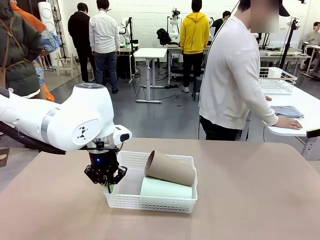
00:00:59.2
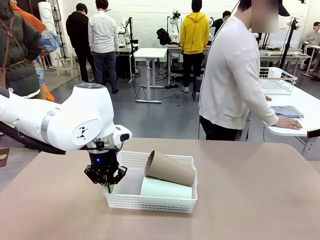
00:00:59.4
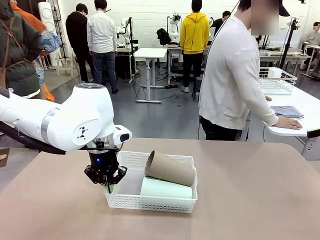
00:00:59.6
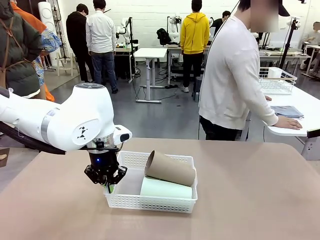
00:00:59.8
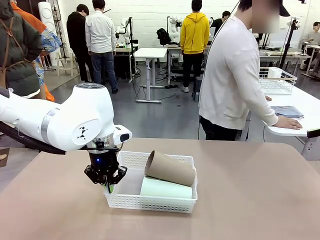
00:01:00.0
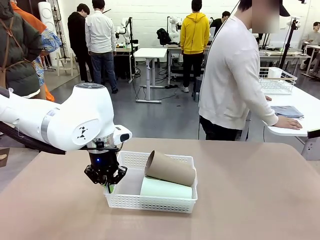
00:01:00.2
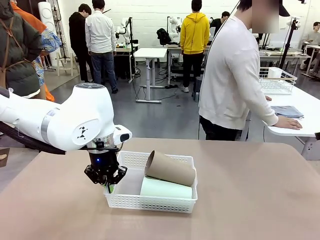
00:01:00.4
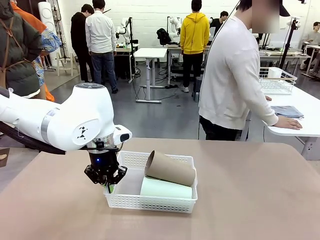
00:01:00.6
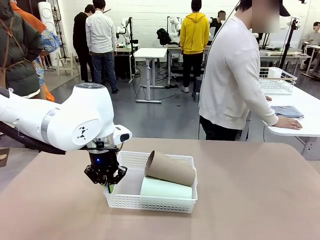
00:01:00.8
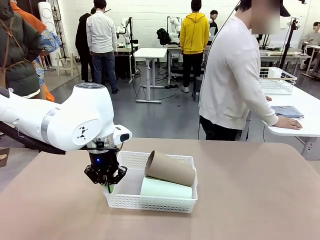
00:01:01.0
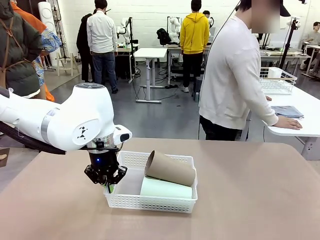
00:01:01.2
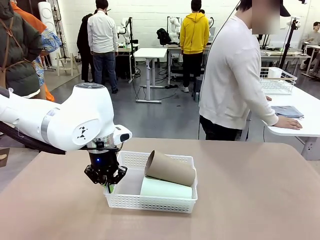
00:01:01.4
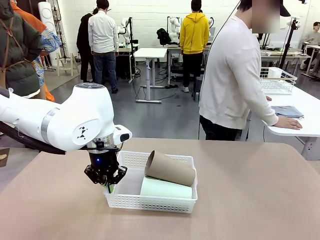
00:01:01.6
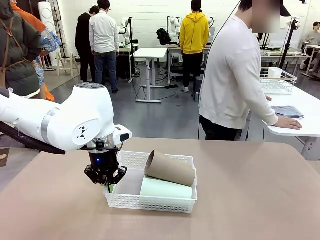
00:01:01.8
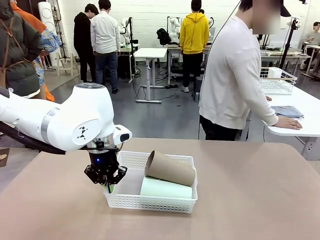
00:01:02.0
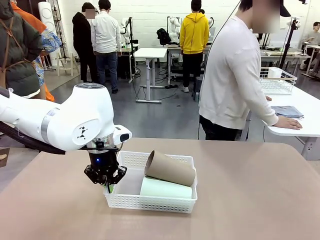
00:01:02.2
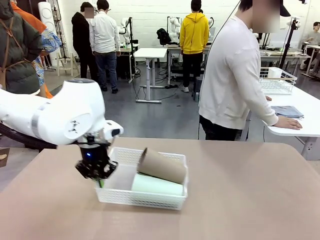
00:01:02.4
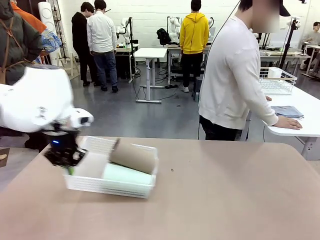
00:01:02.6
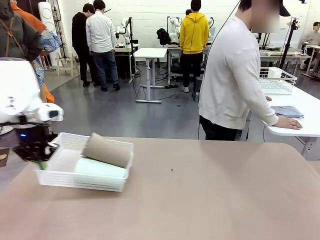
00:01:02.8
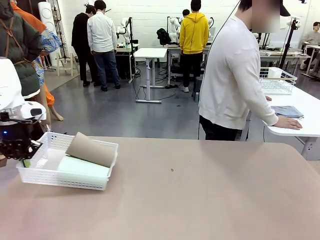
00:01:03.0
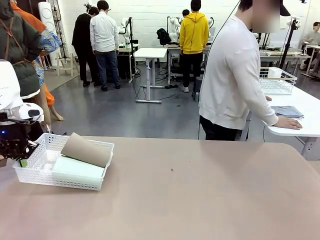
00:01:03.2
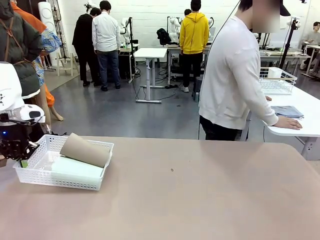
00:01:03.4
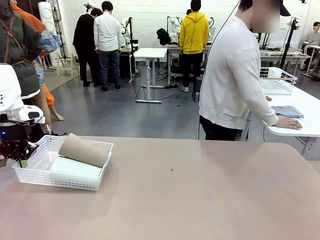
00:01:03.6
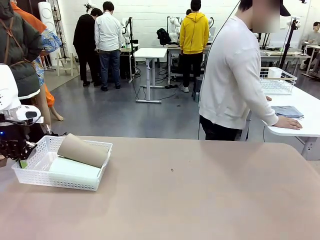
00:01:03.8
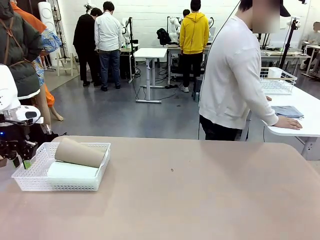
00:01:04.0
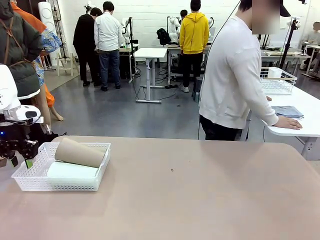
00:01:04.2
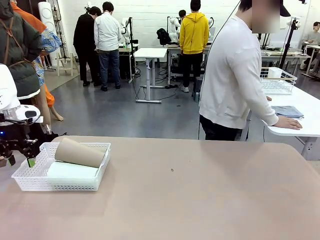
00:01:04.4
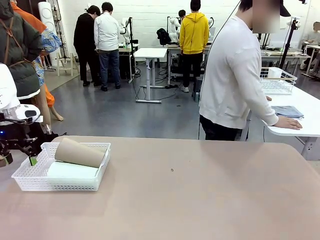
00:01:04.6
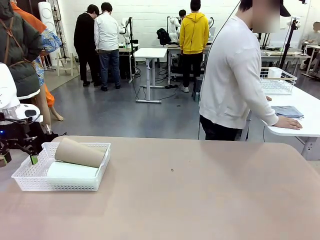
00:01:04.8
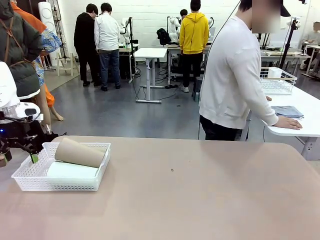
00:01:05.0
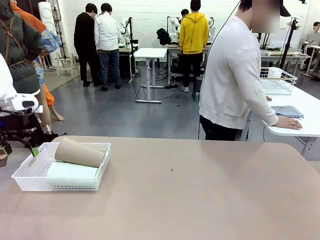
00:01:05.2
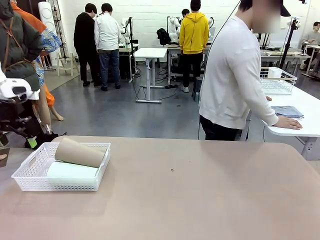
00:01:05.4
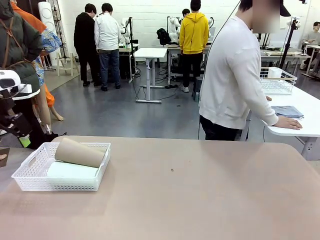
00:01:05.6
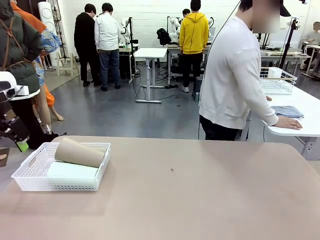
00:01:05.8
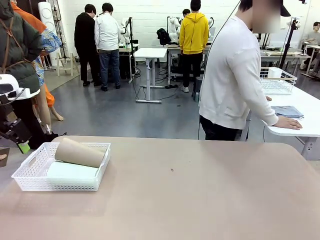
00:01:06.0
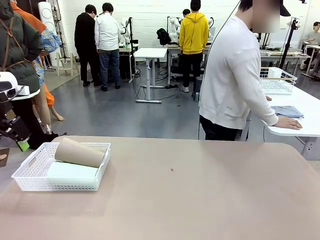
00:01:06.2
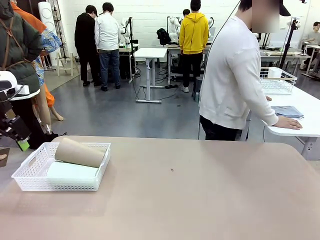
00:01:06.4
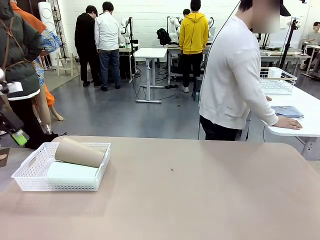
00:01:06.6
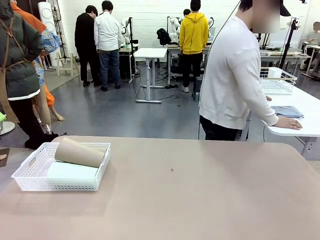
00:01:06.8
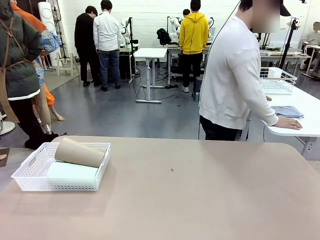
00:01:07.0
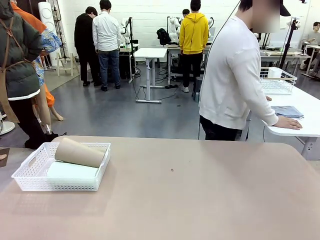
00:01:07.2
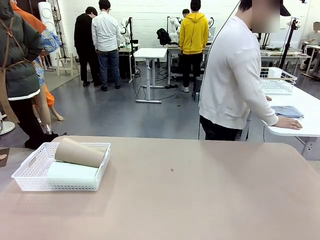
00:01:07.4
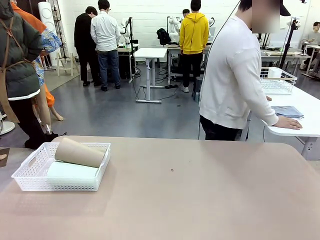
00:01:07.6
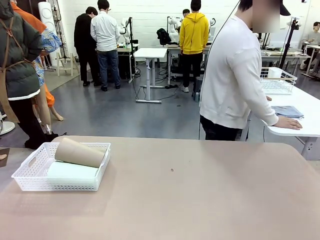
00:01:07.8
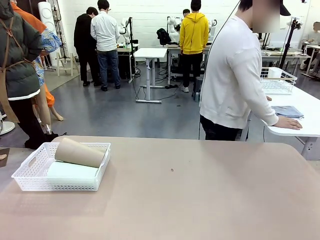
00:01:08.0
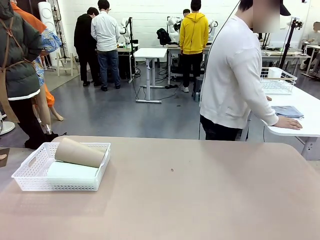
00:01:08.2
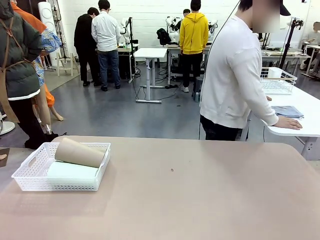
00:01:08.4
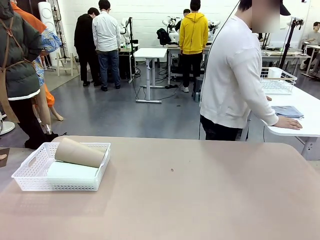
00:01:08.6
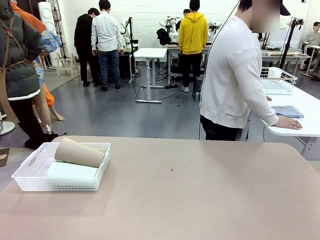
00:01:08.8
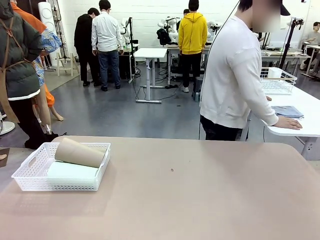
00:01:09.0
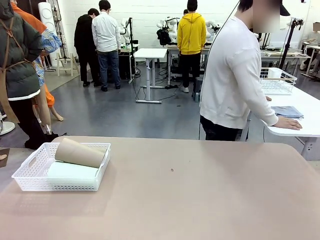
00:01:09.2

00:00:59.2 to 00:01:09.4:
Task: Clean and organize the cups into the basket.
Robot: Move the Organizing basket back to the left side of the table.

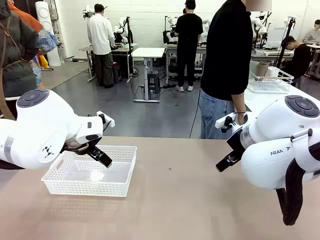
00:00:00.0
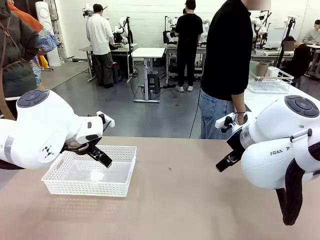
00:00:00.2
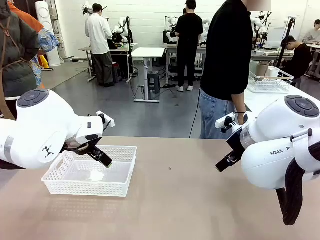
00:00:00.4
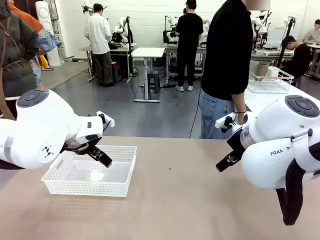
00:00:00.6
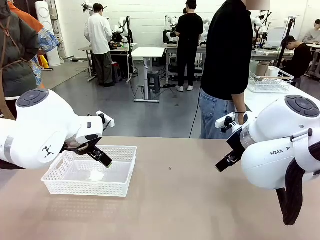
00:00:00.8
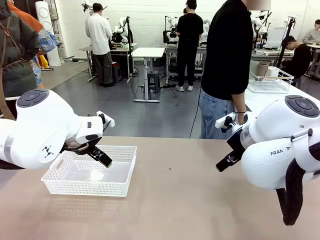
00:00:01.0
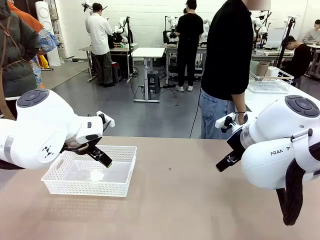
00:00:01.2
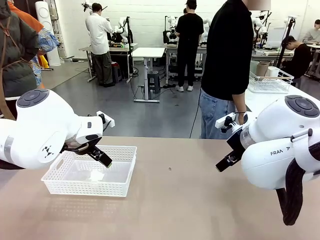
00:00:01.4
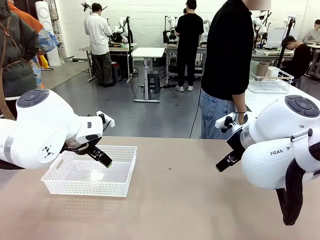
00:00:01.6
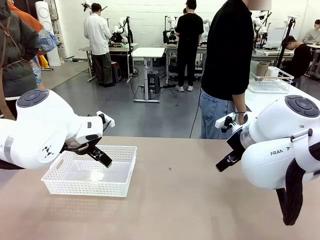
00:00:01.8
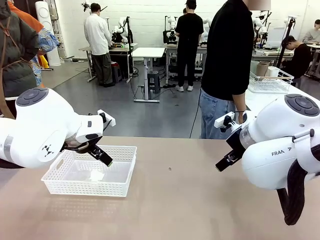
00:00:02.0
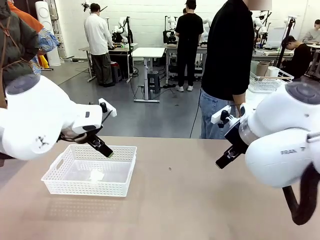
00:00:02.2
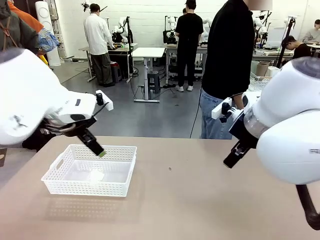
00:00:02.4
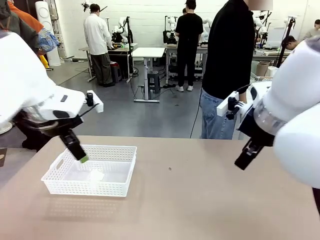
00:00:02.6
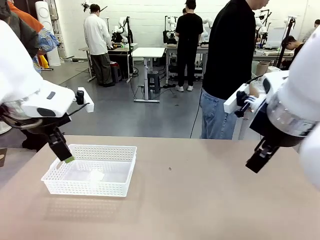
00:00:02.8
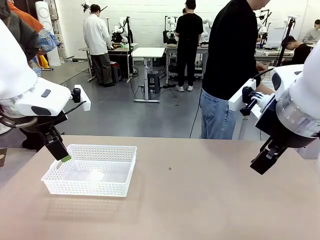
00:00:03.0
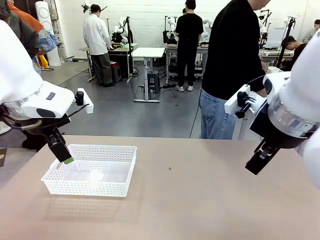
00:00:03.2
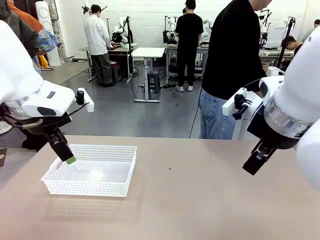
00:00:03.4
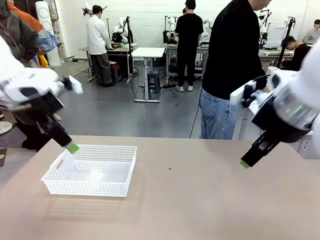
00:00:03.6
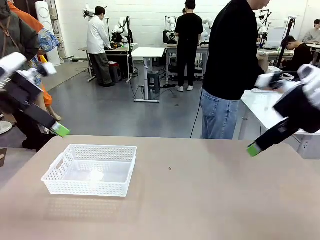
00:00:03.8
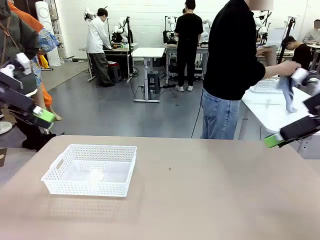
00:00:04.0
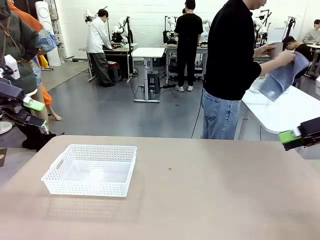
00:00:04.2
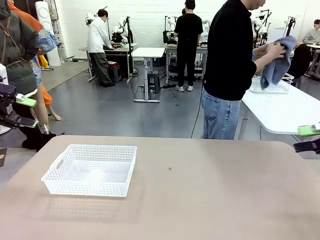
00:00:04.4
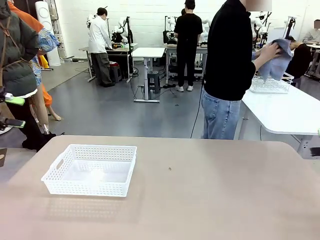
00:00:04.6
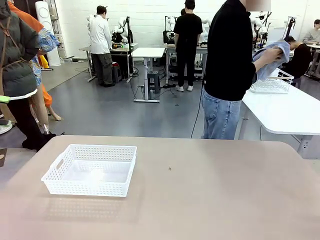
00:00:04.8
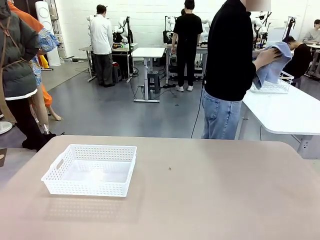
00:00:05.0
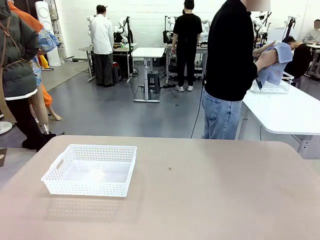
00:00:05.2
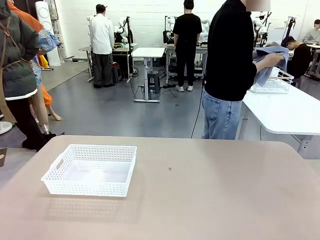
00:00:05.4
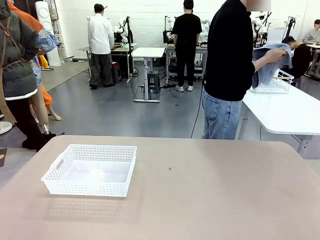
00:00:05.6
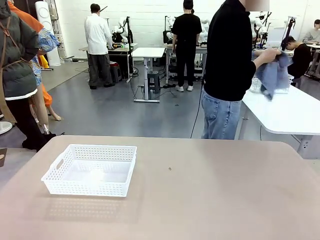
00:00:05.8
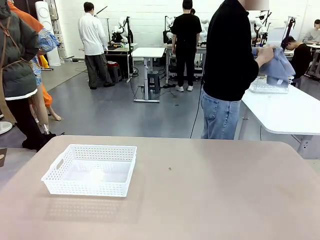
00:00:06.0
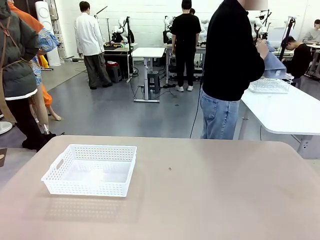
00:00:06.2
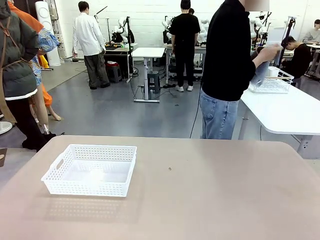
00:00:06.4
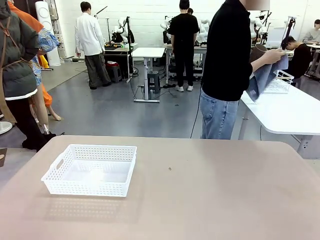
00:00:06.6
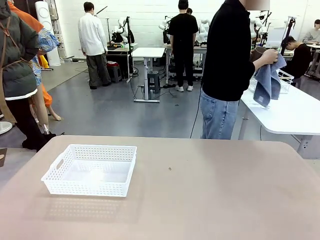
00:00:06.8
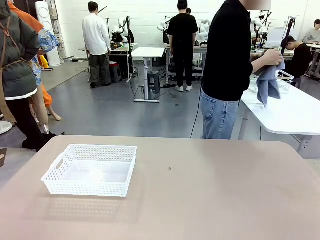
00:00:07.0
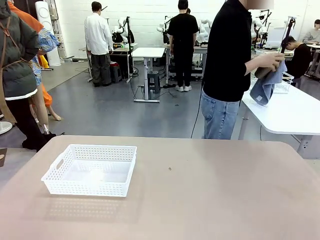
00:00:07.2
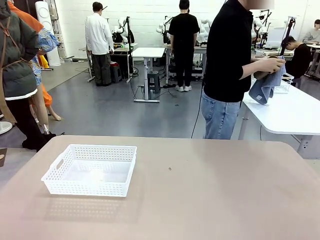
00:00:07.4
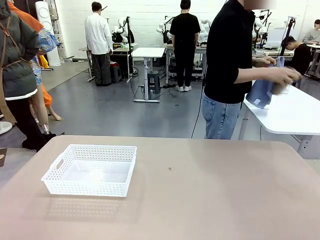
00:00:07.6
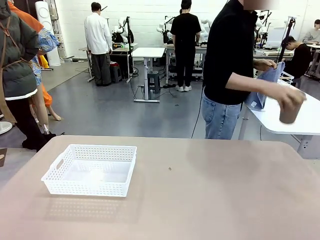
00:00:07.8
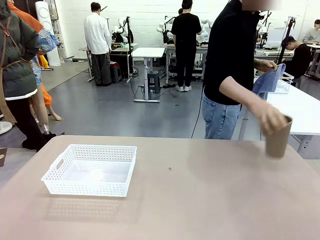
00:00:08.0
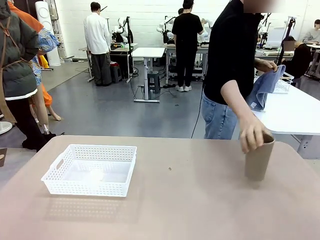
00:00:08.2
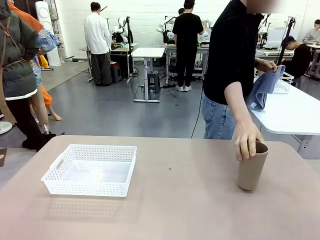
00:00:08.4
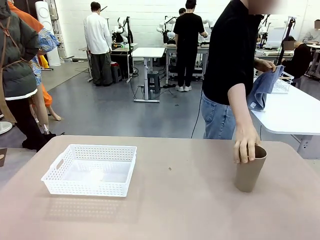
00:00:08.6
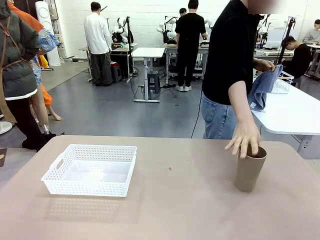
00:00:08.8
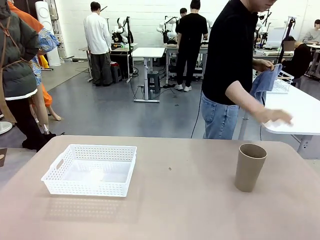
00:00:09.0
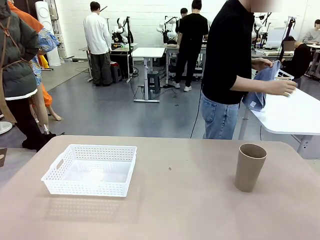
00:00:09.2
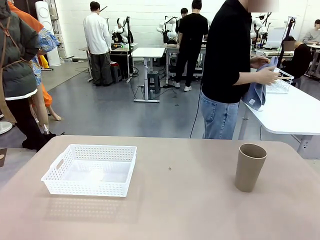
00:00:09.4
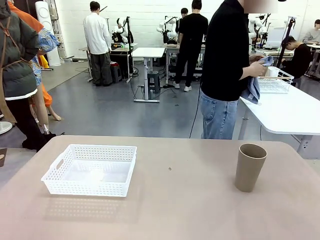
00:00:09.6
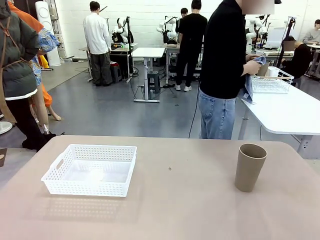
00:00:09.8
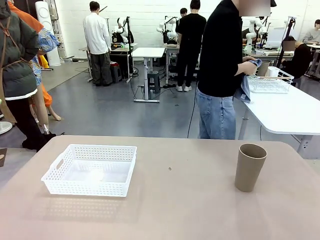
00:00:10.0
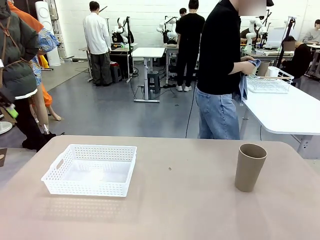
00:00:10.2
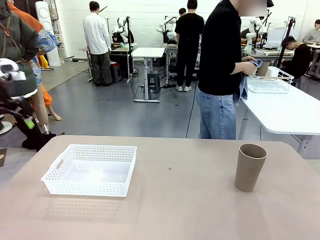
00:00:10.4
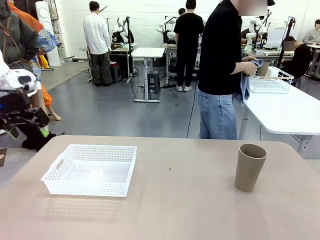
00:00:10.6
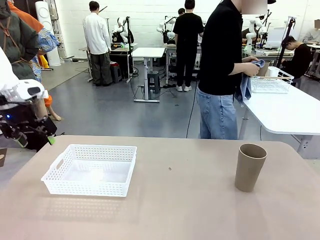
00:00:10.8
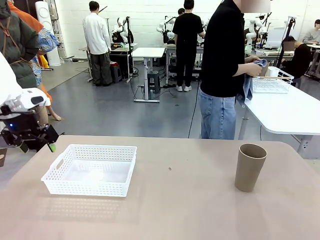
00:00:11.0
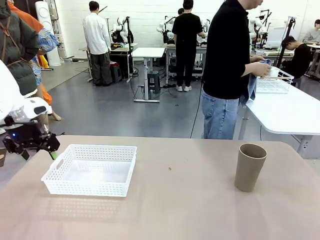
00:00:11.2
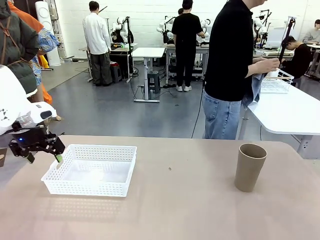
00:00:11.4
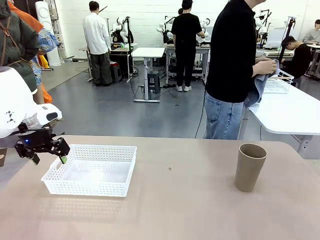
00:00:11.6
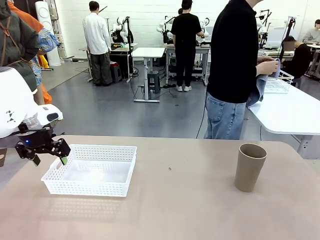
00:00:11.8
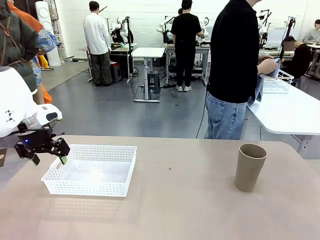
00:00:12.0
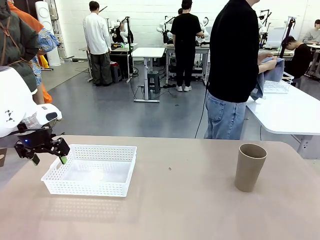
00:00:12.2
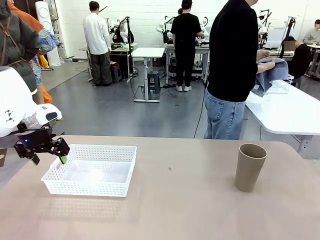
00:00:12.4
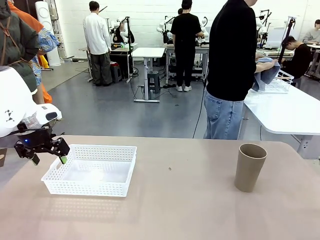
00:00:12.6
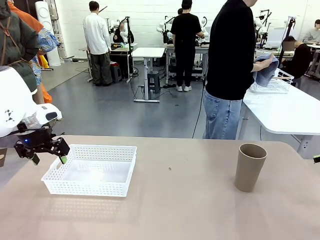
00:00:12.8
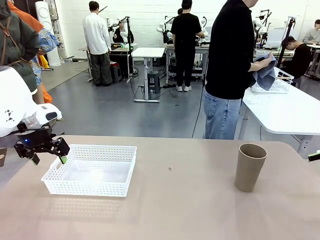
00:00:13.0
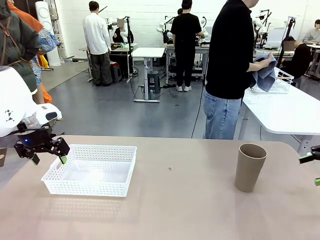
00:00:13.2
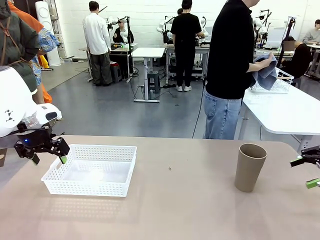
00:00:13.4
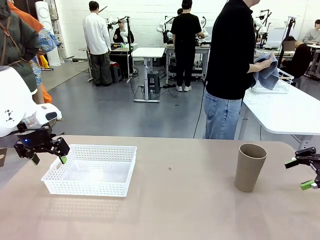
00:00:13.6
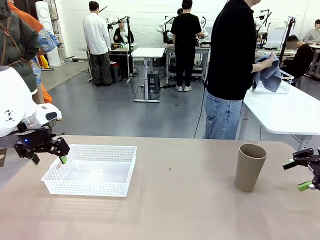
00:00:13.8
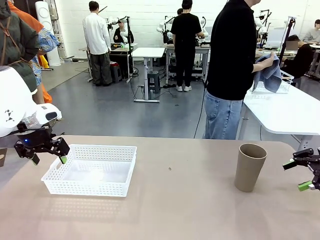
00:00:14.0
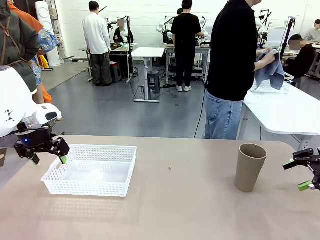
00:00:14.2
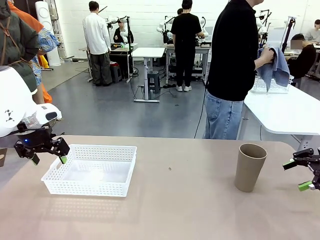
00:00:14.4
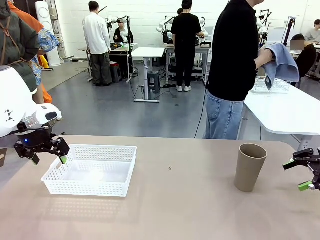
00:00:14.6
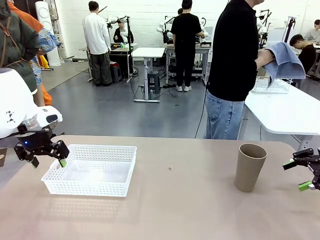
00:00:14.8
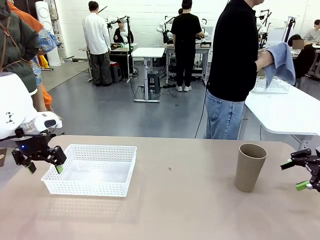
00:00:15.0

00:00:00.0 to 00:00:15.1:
Task: Clean and organize the cups into the basket.
Robot: Pick up the Organizing basket and move it to the center of the table, then pick up the Reusable plastic cup from the right side of the table and place it inside the Organizing basket.
Person: Picks up a cup and a towel, cleans the cup with the towel, and places it on the left side of the robot table.
